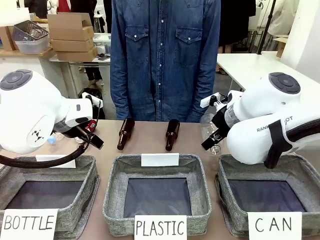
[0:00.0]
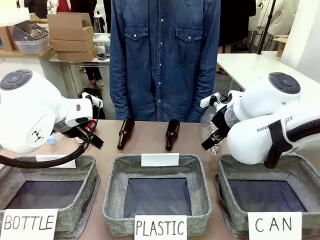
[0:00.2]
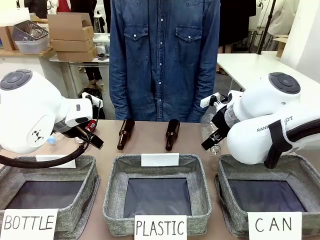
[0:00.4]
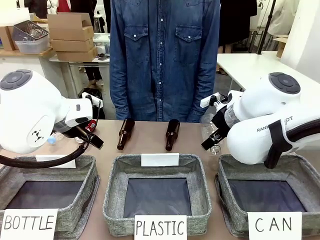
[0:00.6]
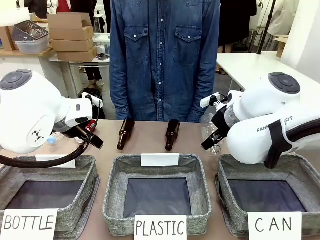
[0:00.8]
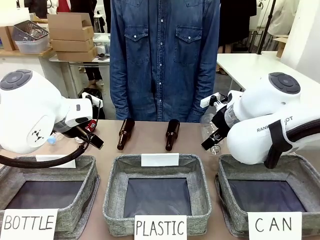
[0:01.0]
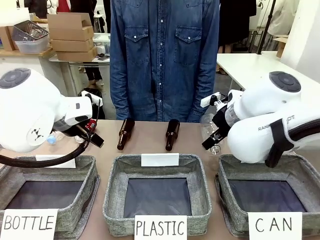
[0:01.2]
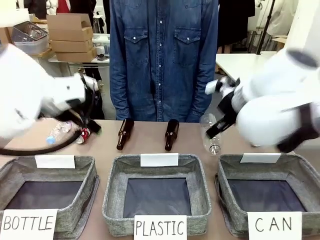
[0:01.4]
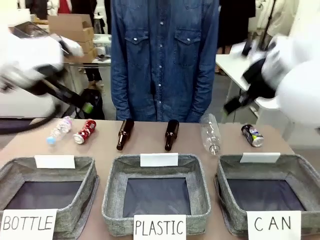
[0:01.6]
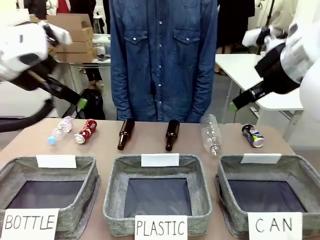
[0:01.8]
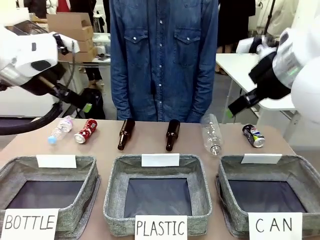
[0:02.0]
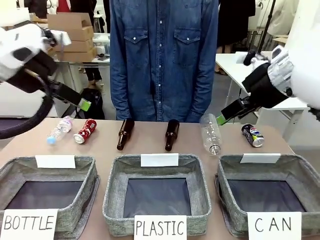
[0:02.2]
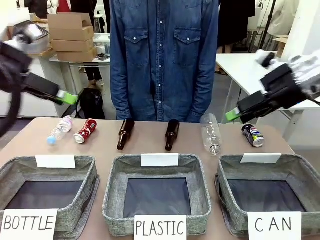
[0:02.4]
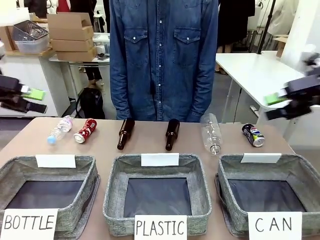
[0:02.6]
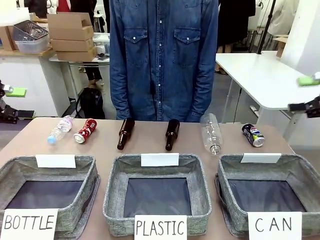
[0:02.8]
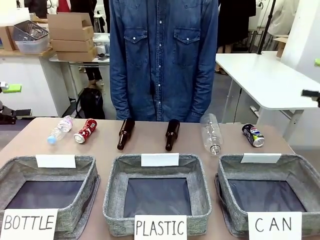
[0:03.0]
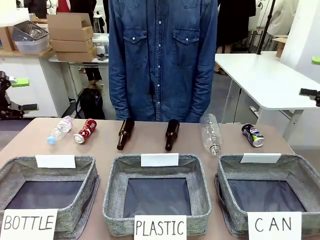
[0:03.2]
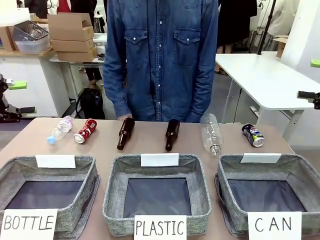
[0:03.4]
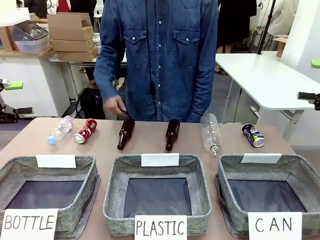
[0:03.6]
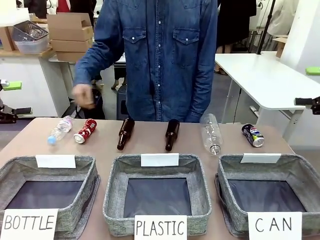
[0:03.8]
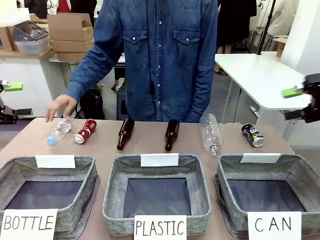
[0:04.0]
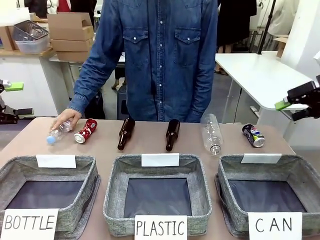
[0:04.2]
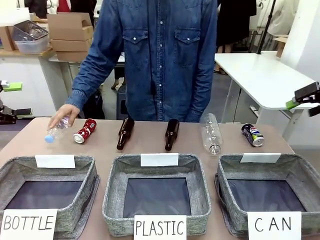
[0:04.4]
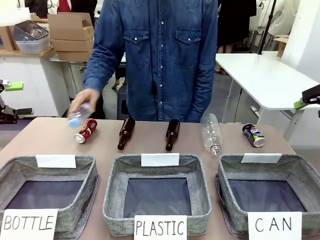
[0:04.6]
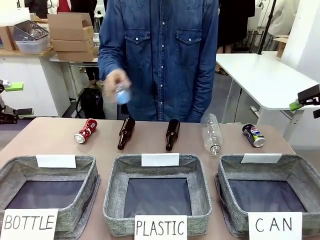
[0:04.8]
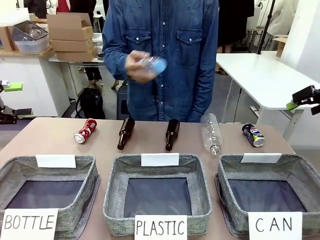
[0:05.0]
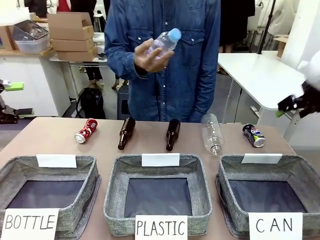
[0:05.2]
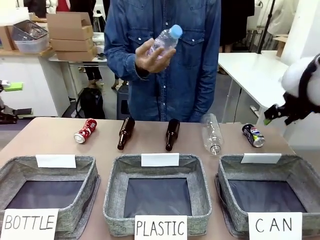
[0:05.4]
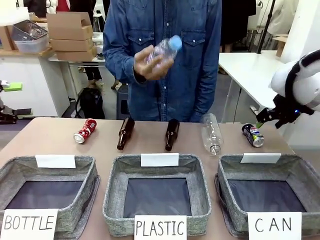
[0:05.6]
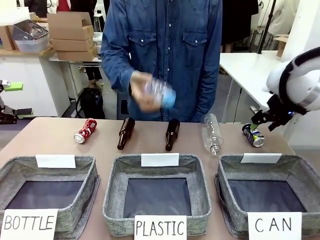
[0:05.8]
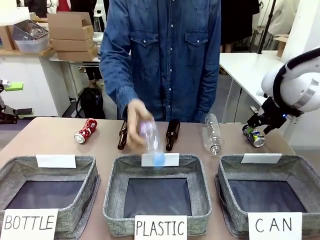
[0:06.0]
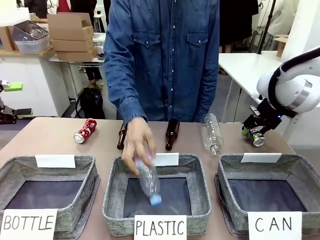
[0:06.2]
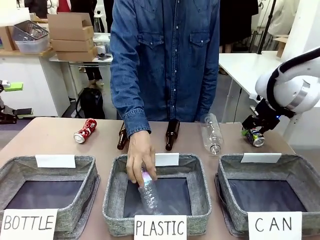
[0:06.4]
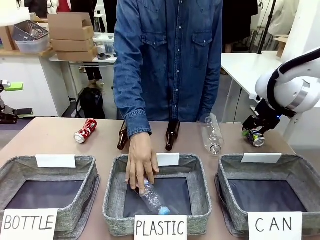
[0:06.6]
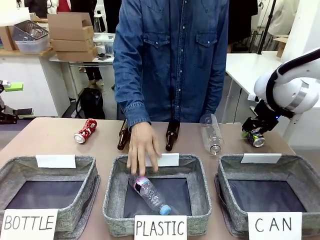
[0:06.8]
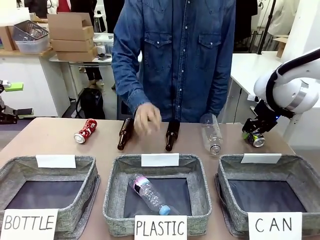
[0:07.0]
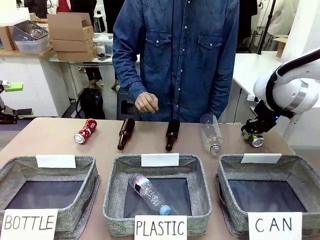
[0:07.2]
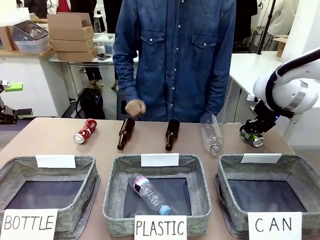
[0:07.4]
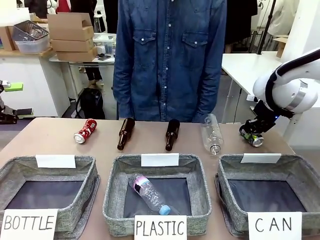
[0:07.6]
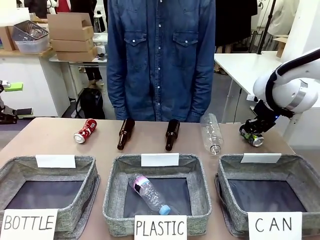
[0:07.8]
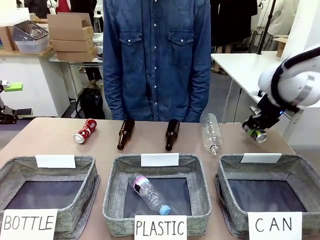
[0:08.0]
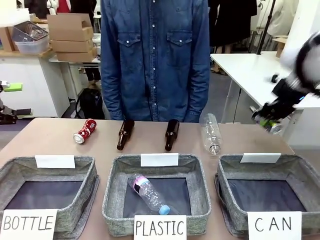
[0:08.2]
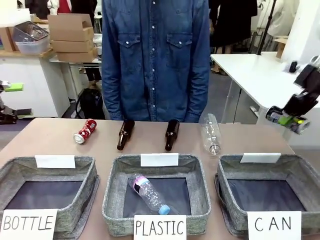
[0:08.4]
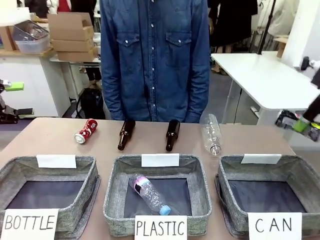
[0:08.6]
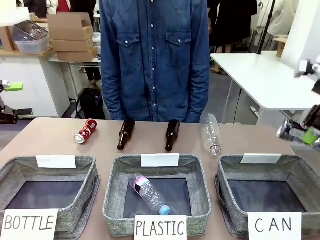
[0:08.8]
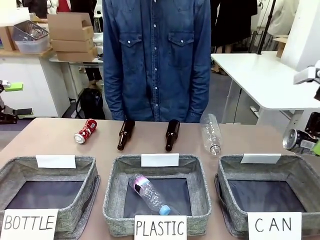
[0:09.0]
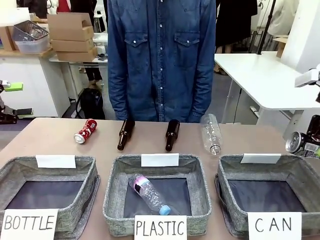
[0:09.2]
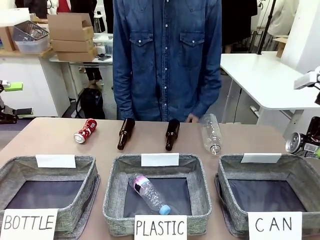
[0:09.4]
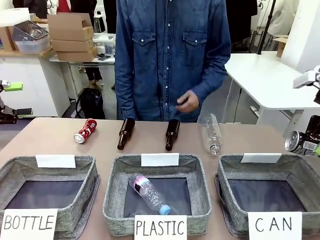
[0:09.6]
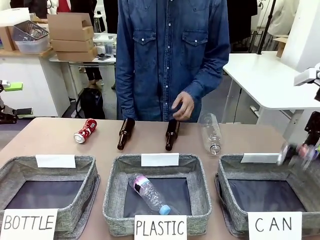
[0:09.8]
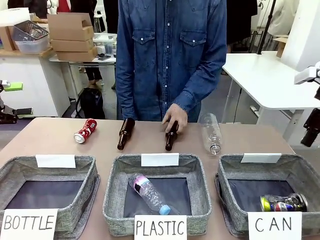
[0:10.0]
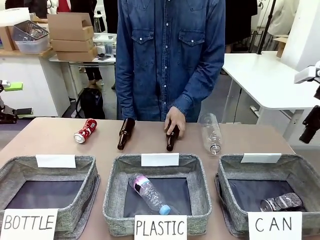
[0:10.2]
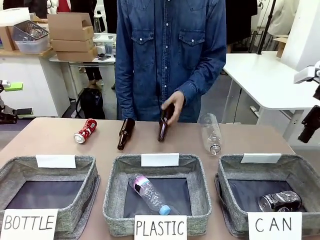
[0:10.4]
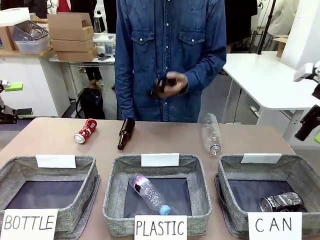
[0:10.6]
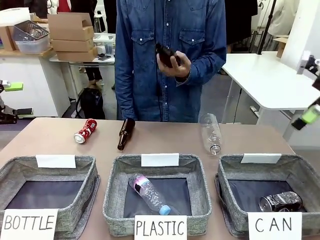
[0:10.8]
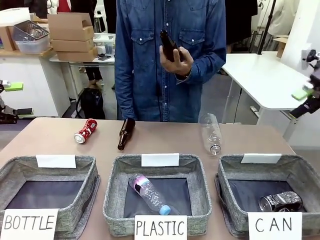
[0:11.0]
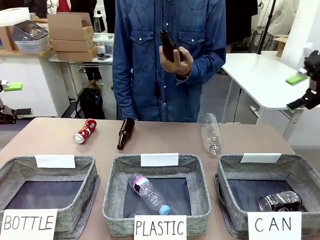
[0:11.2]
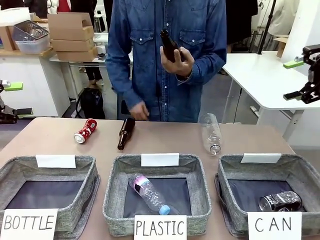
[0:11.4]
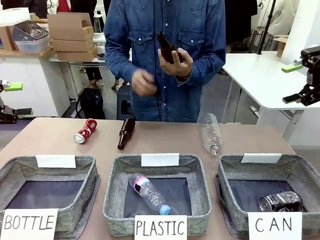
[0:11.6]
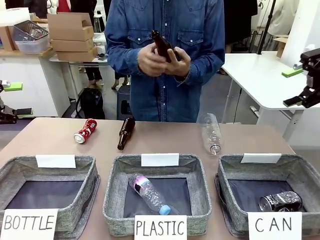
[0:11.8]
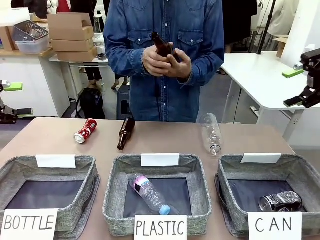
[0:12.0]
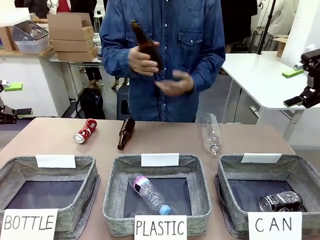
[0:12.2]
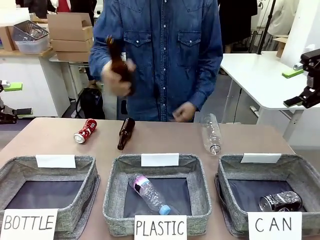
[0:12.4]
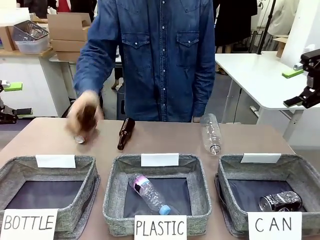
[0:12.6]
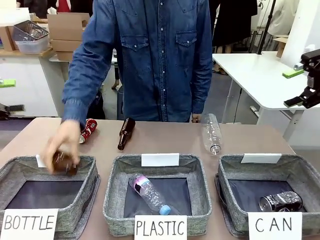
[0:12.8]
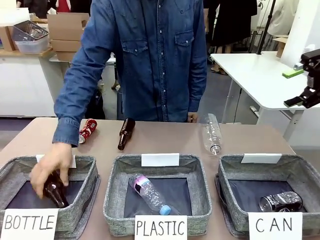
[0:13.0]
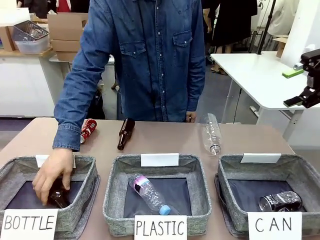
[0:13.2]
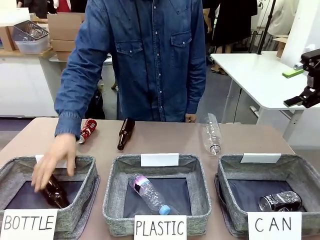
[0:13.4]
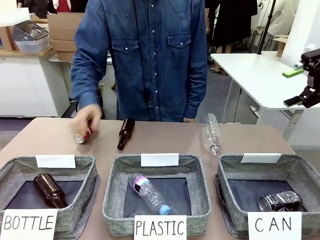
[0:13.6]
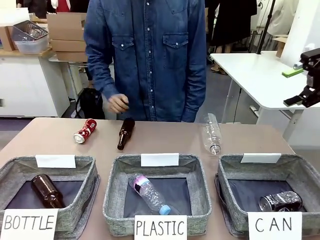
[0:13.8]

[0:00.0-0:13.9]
Task: Sort the can waste into the basket.
Robot: Pick up the can waste from the table and place it in the right Fabric basket.
